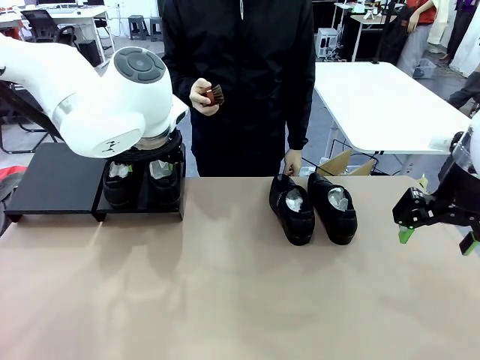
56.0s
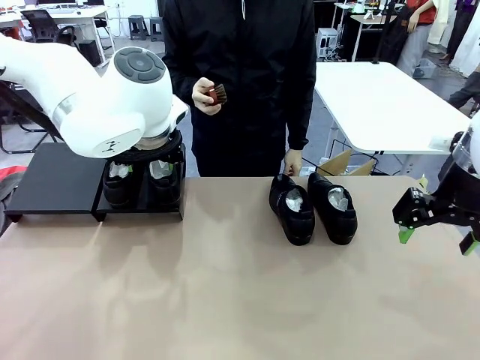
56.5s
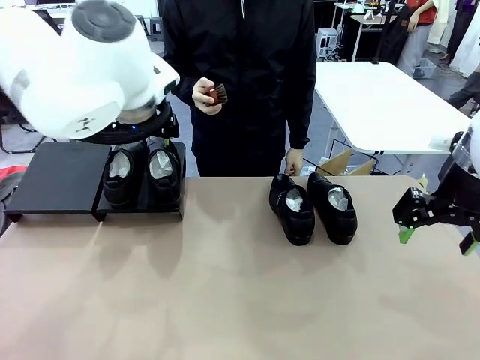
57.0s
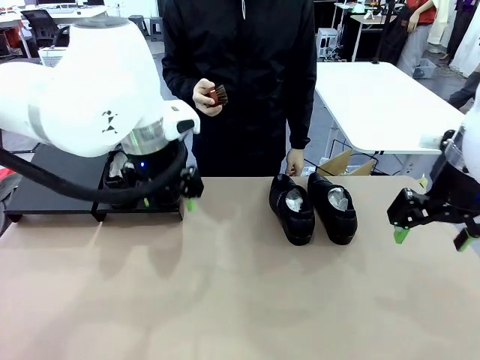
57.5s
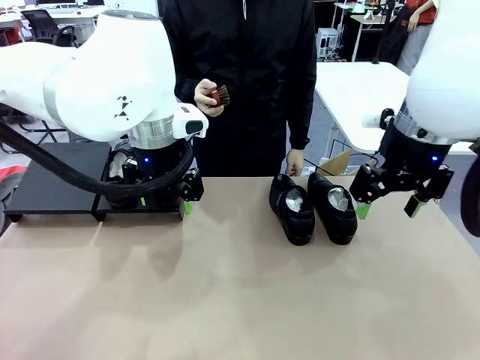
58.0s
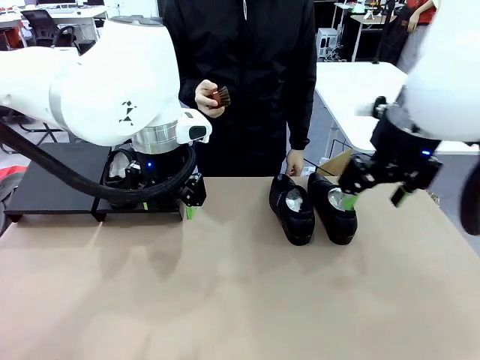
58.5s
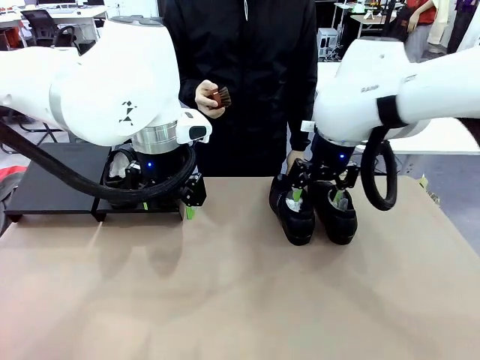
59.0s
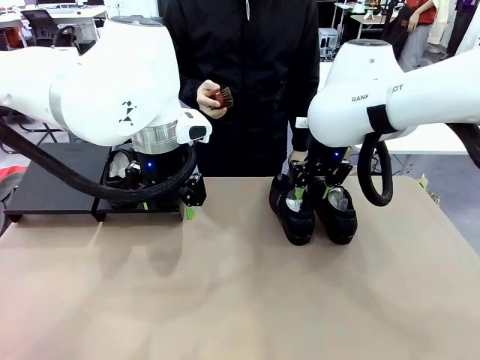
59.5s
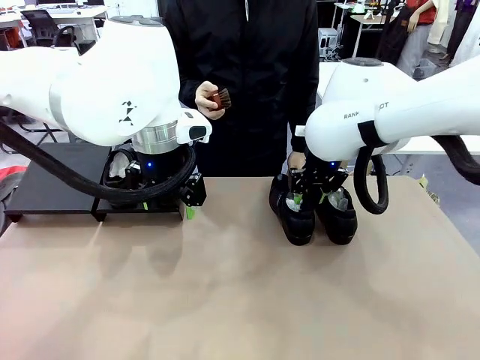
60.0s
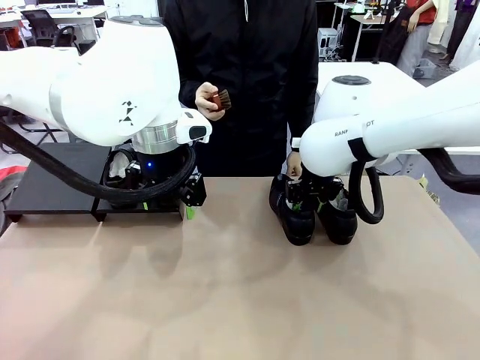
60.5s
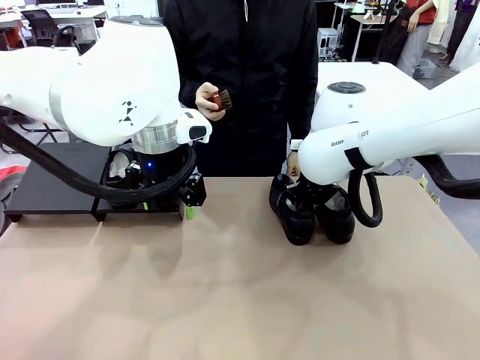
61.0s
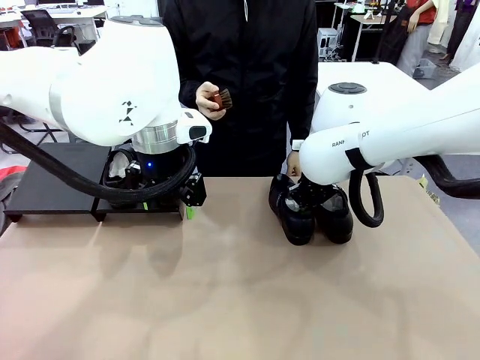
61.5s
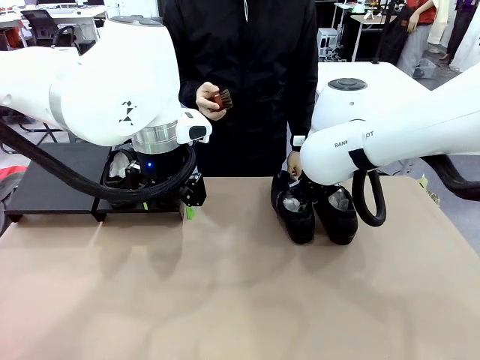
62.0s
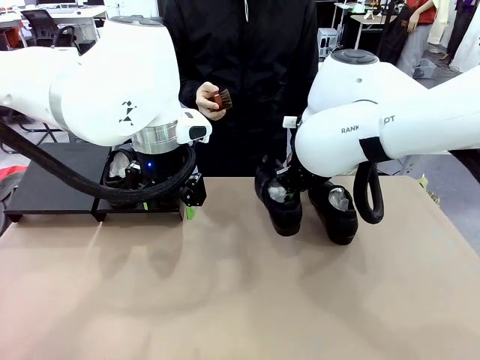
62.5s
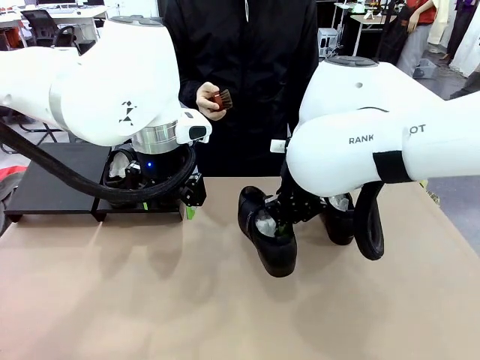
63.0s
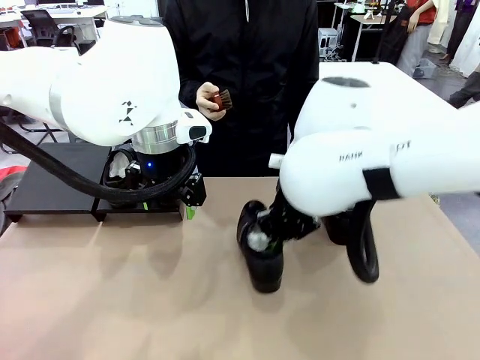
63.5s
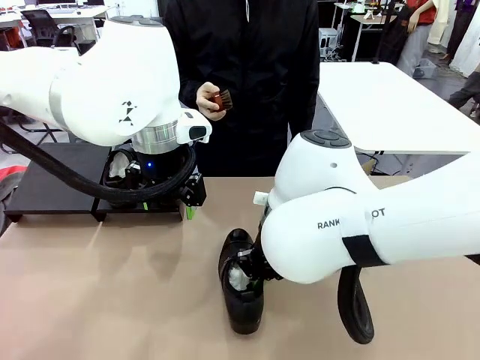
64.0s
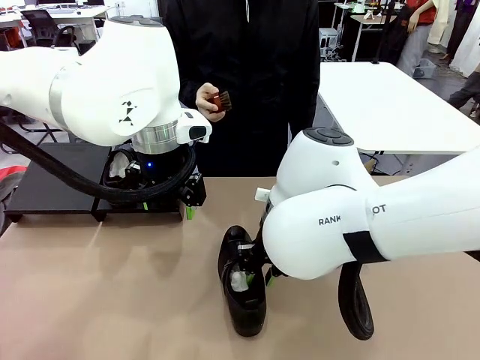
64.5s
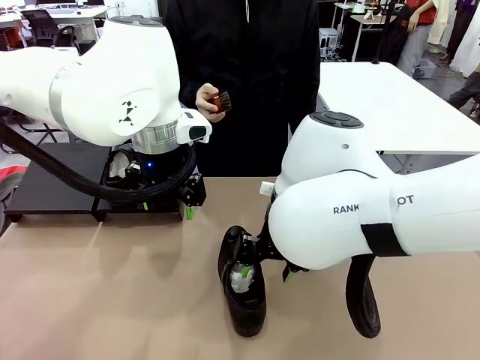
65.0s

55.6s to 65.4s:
Task: Organize the shoes by placing them on the stand.
Robot: Pick up one Shoe and place it in the middle of the table.

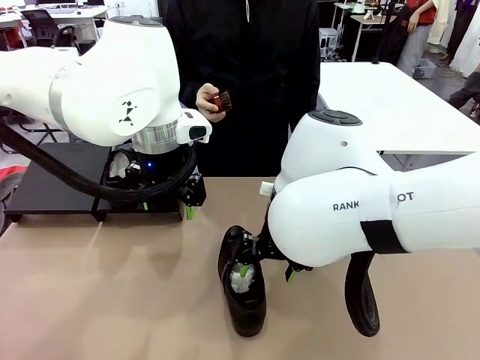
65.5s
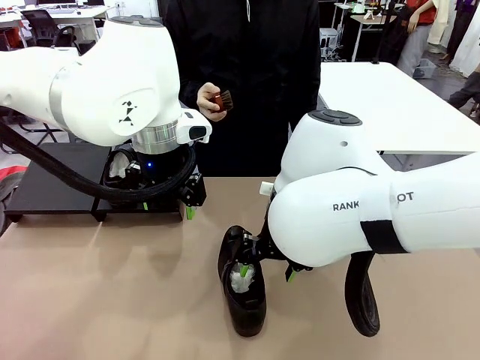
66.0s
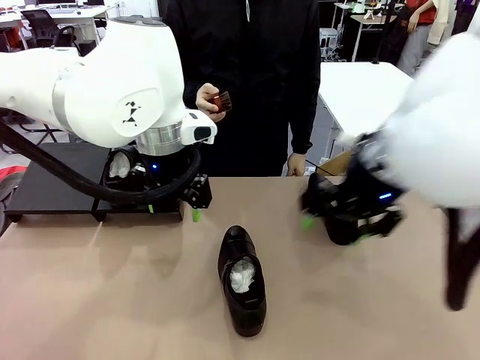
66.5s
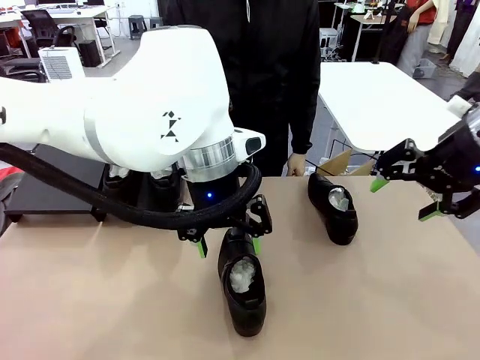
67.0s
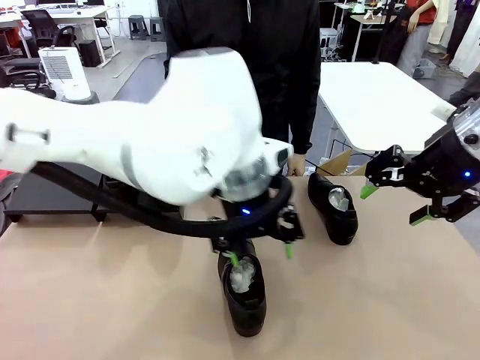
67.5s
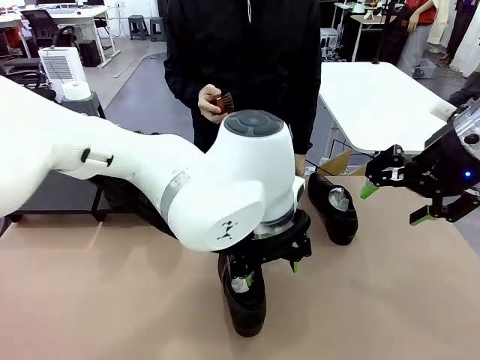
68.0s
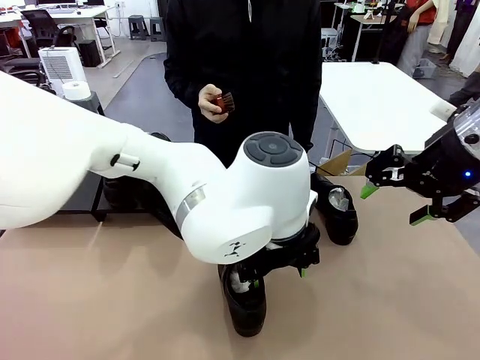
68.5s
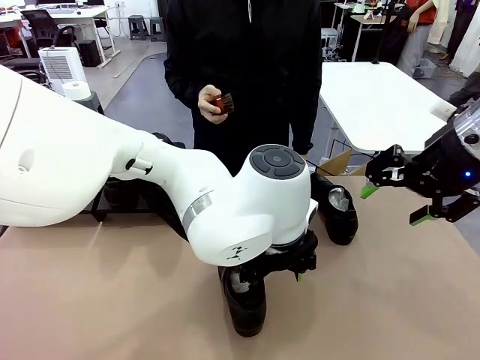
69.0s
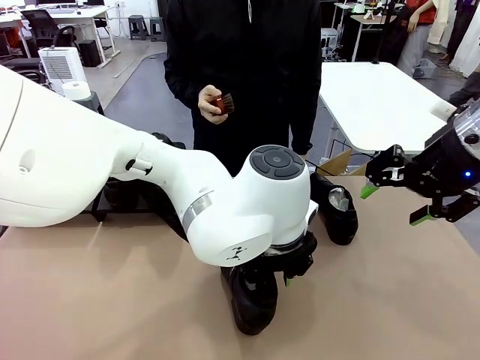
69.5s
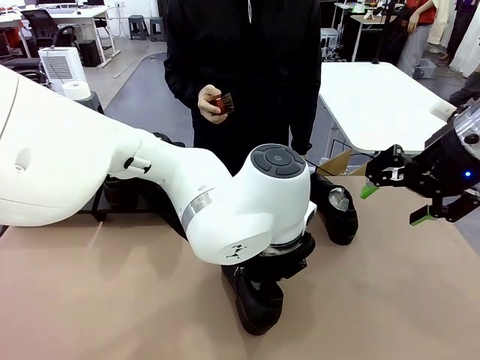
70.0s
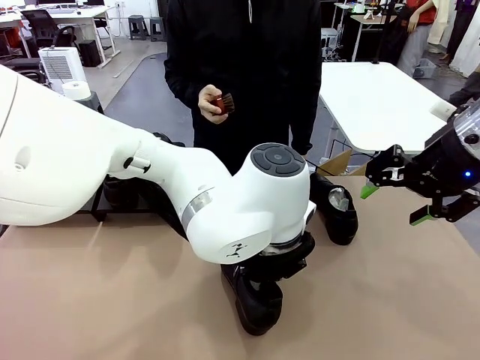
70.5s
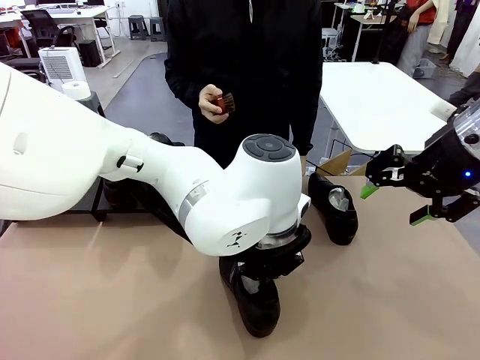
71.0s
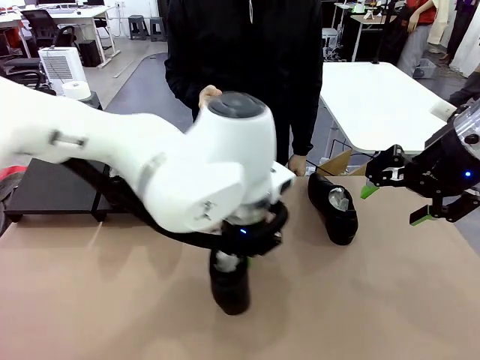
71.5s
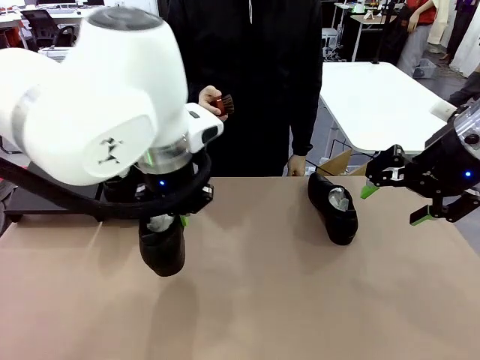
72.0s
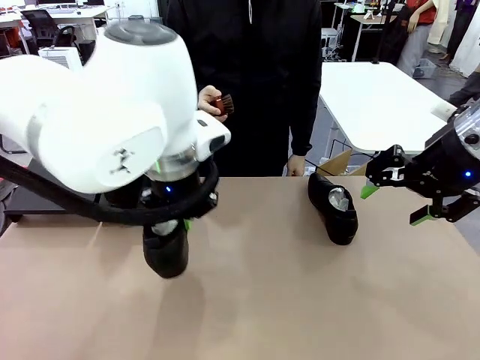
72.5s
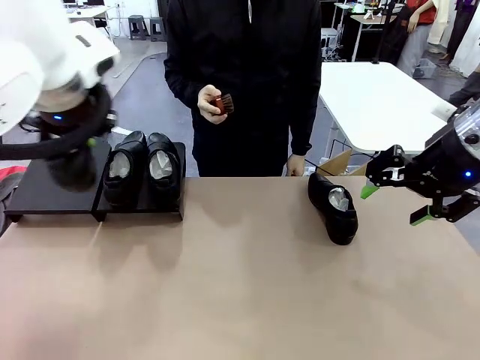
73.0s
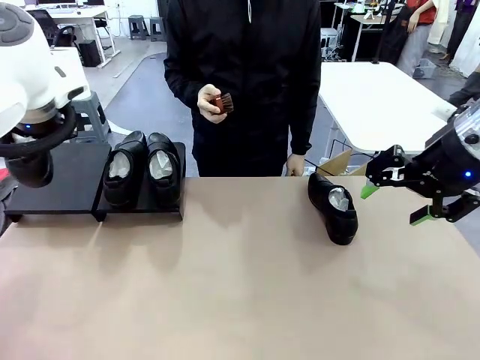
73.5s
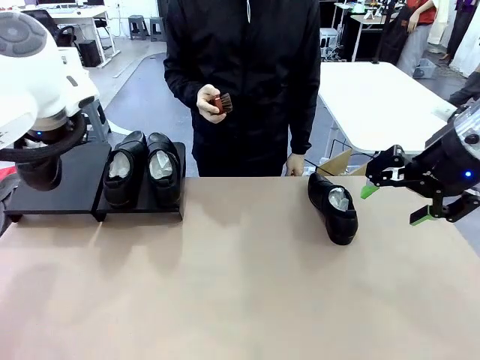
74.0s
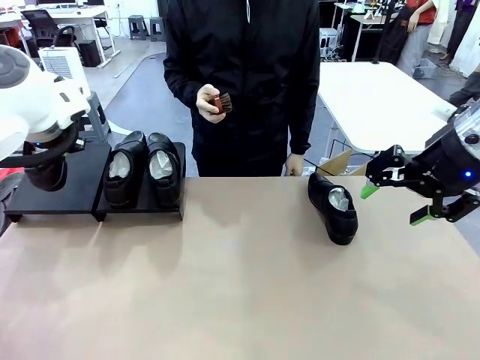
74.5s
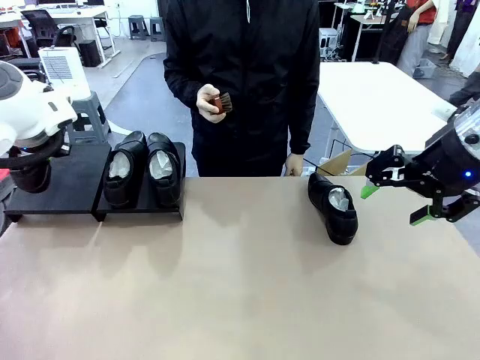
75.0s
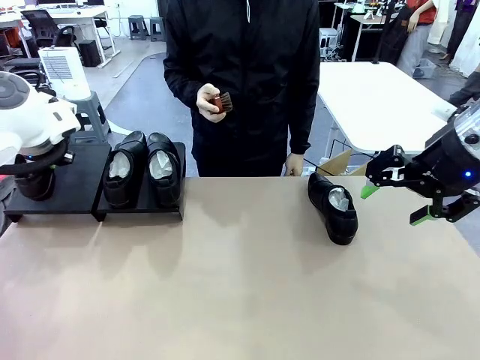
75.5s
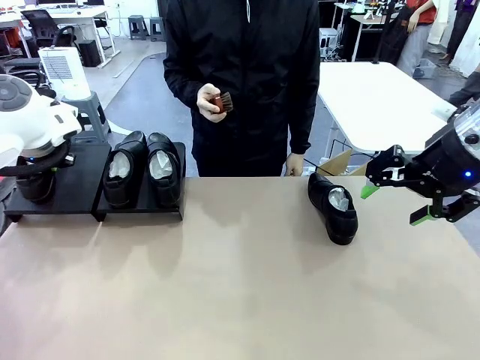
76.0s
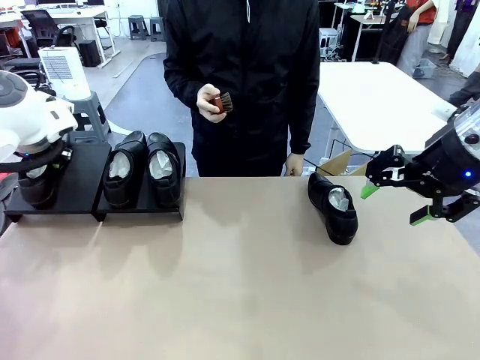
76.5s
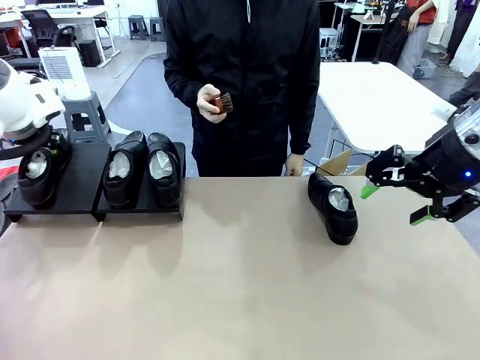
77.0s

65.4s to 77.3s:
Robot: Place the Shoe from the middle of the table onto the Shoes Stand.

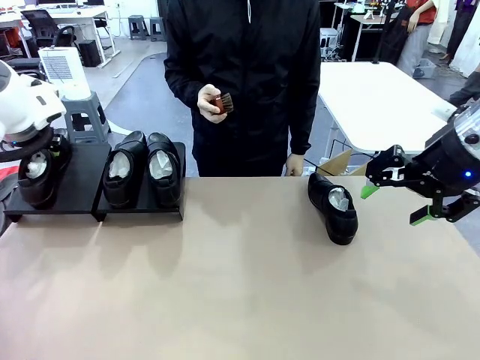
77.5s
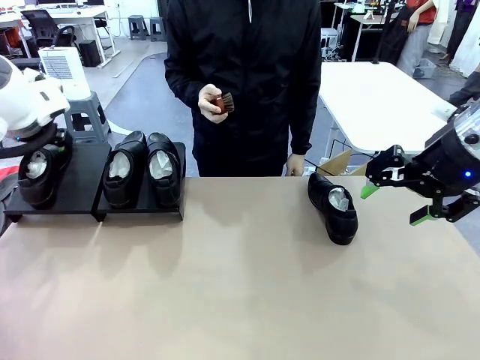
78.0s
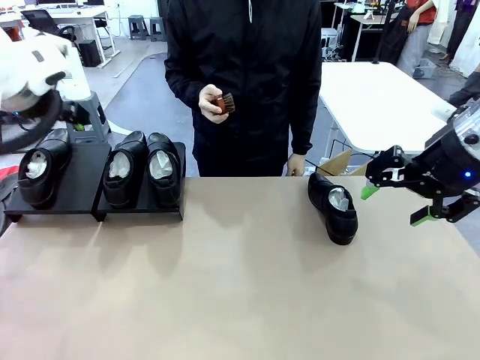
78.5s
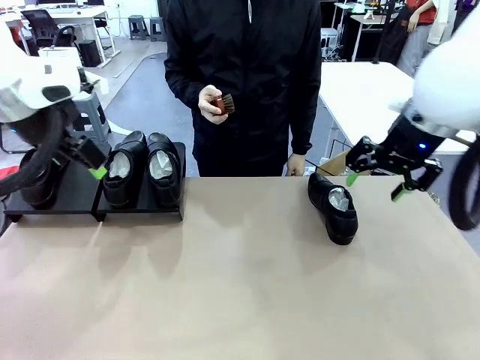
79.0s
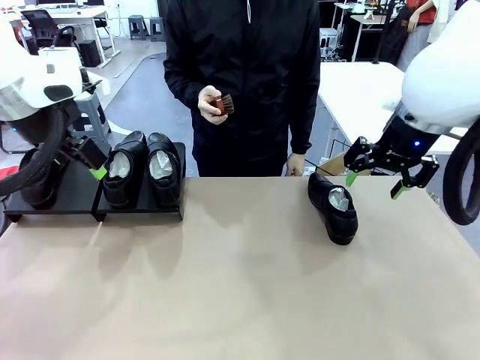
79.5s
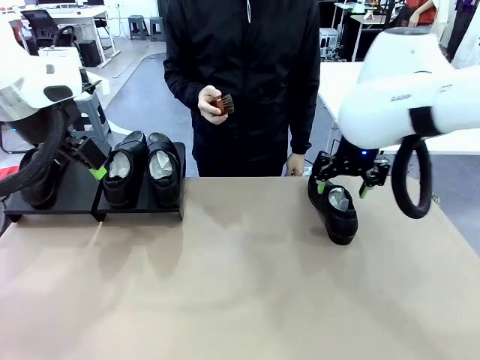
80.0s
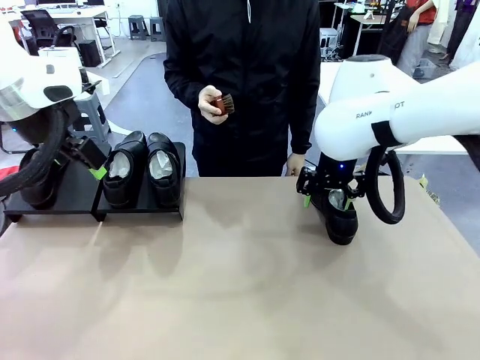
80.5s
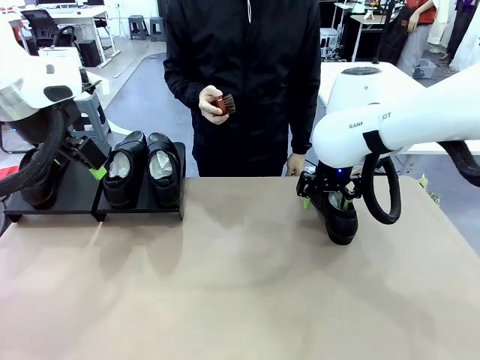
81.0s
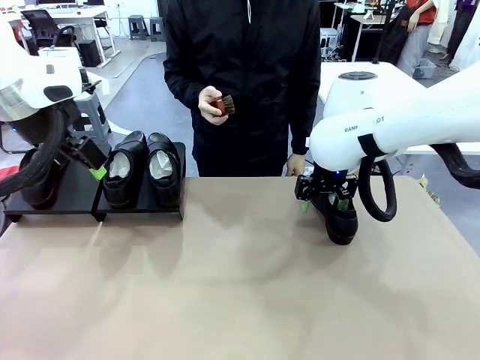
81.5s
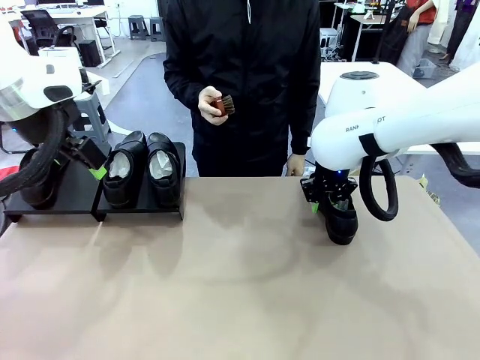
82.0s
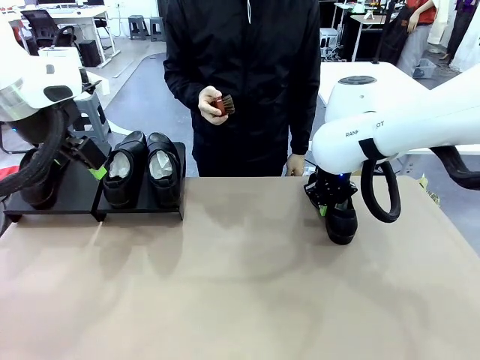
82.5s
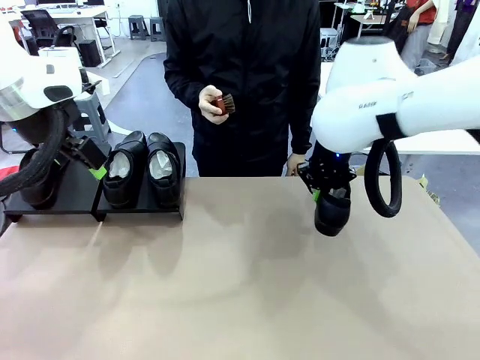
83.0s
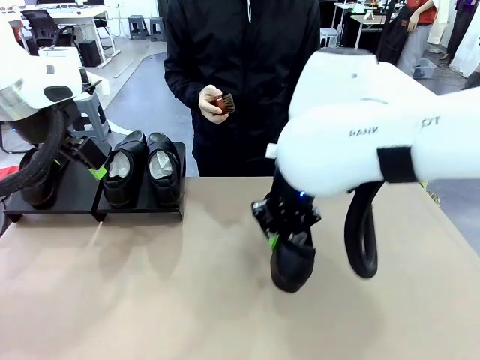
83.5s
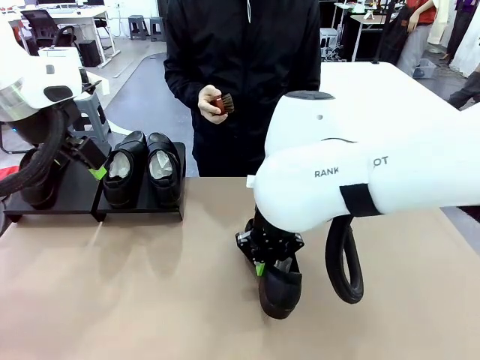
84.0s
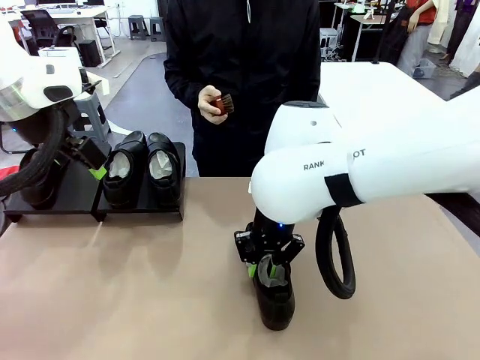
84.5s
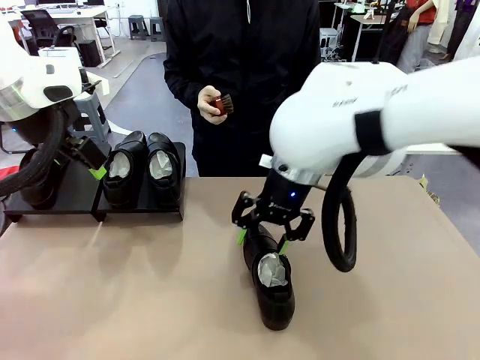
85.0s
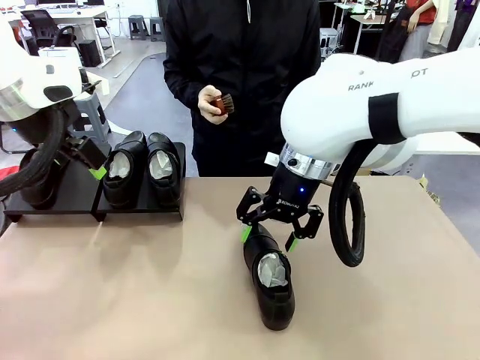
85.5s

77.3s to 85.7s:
Robot: Pick up one Shoe and place it in the middle of the table.
